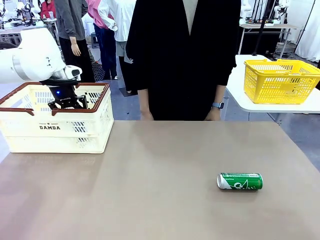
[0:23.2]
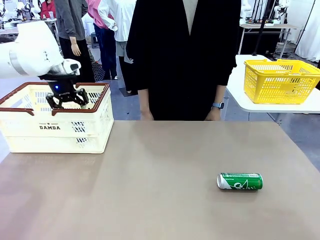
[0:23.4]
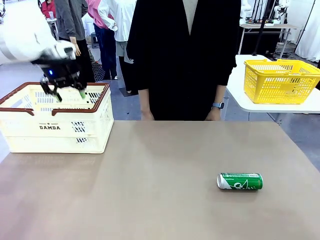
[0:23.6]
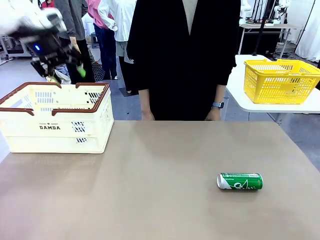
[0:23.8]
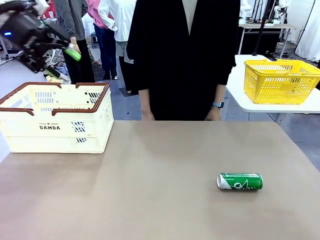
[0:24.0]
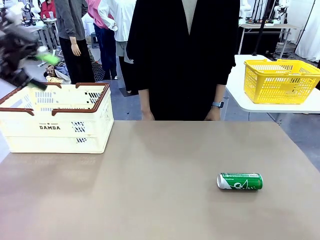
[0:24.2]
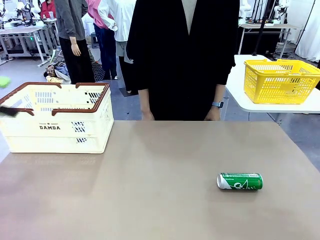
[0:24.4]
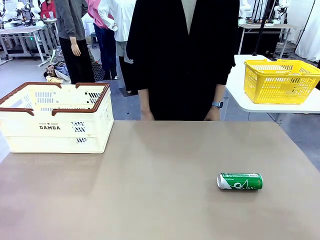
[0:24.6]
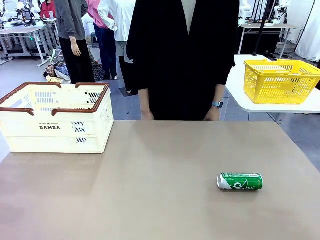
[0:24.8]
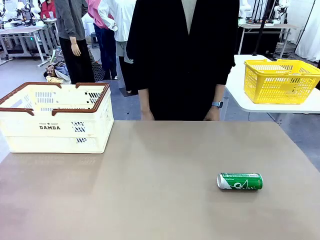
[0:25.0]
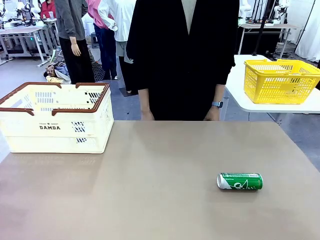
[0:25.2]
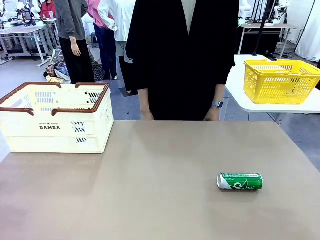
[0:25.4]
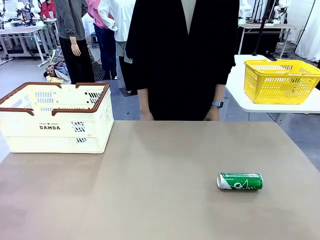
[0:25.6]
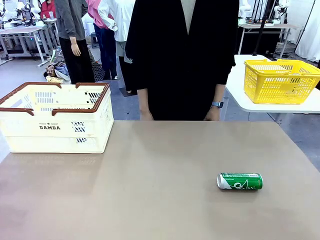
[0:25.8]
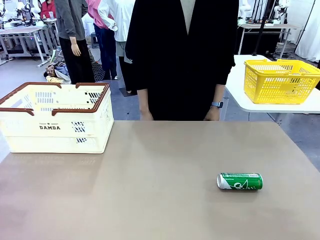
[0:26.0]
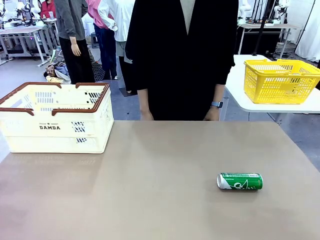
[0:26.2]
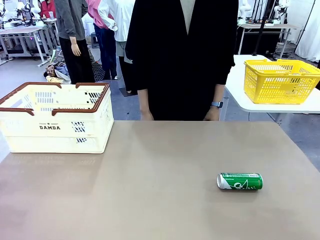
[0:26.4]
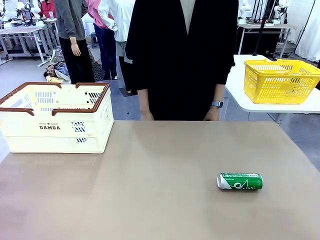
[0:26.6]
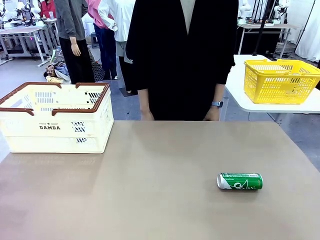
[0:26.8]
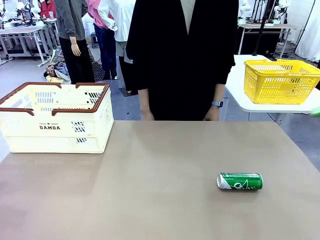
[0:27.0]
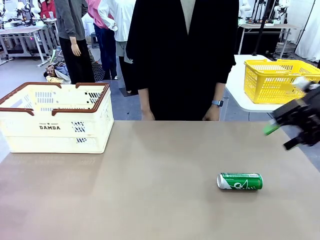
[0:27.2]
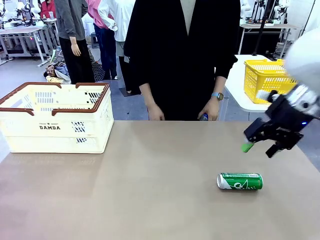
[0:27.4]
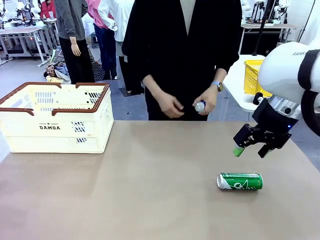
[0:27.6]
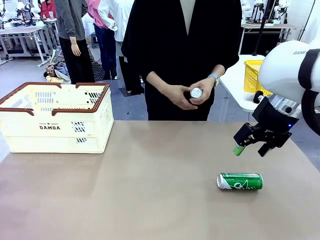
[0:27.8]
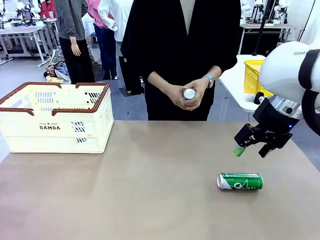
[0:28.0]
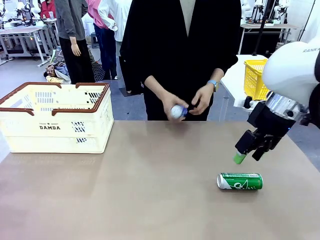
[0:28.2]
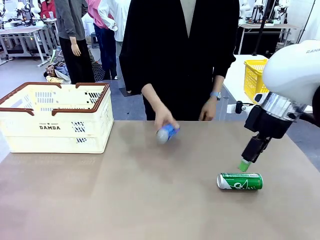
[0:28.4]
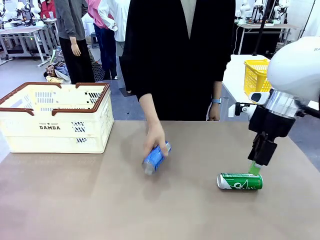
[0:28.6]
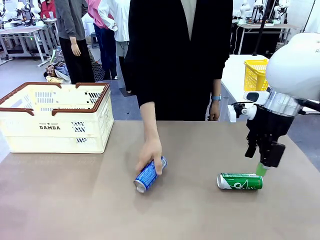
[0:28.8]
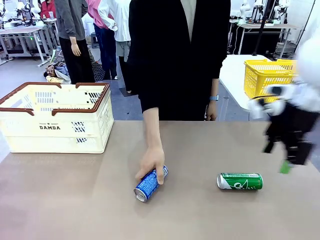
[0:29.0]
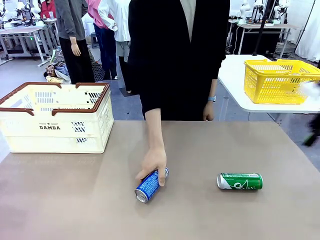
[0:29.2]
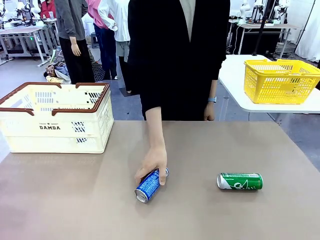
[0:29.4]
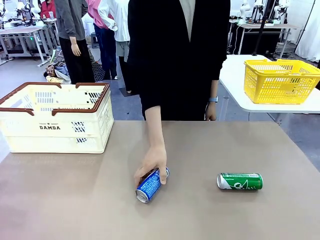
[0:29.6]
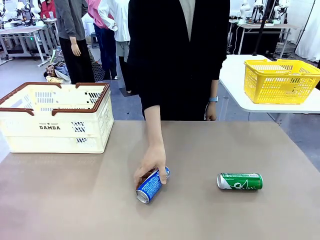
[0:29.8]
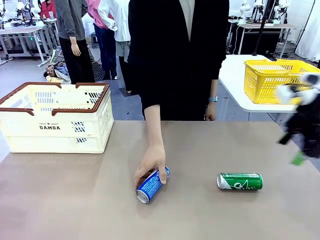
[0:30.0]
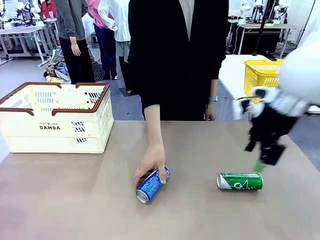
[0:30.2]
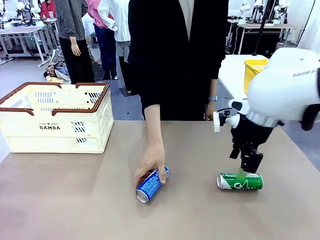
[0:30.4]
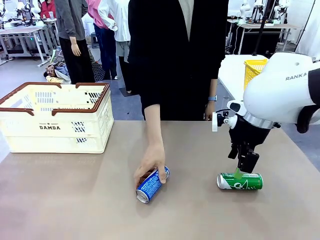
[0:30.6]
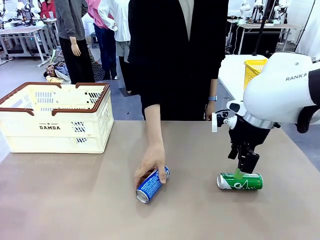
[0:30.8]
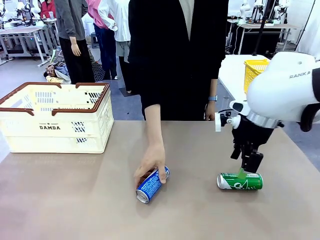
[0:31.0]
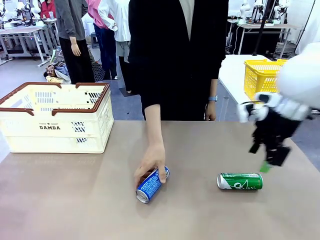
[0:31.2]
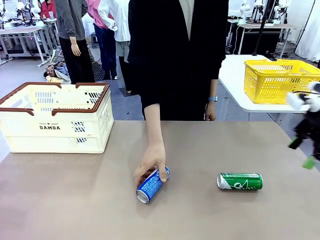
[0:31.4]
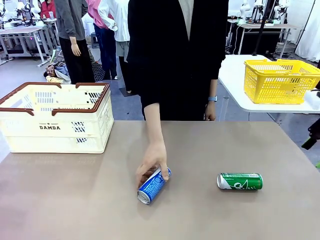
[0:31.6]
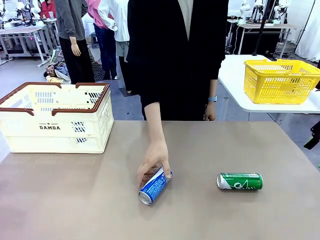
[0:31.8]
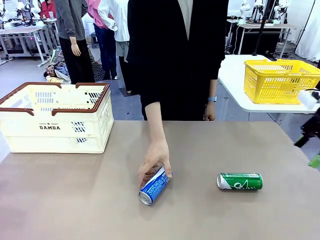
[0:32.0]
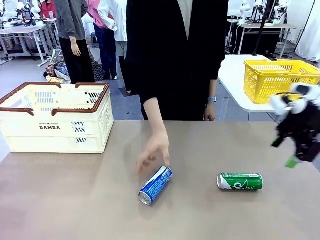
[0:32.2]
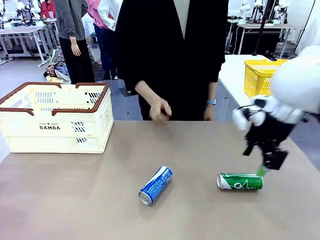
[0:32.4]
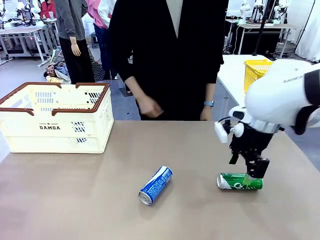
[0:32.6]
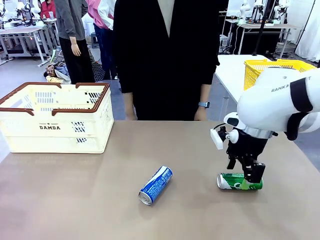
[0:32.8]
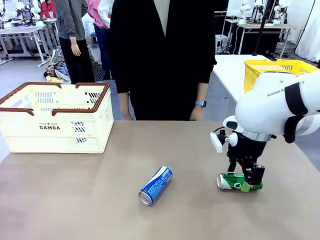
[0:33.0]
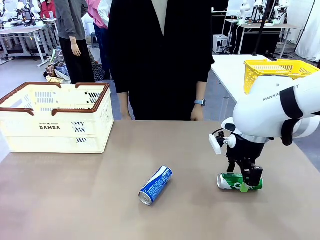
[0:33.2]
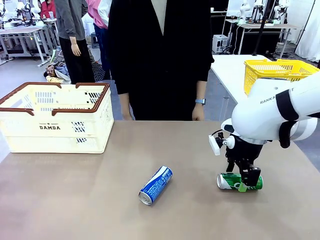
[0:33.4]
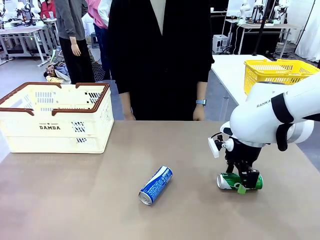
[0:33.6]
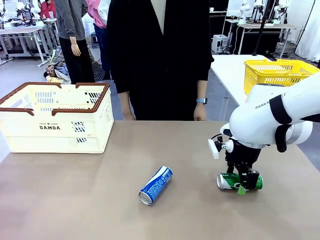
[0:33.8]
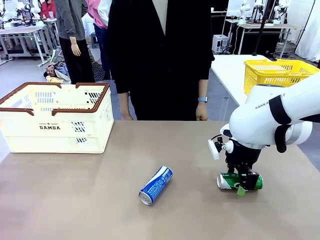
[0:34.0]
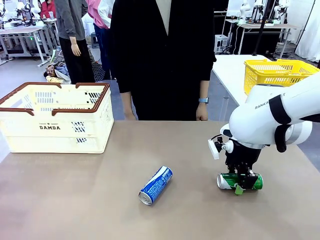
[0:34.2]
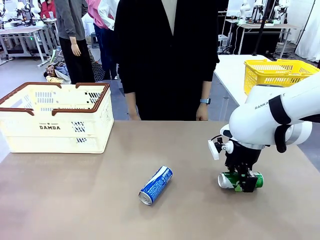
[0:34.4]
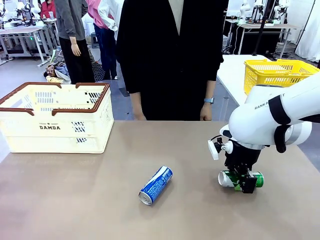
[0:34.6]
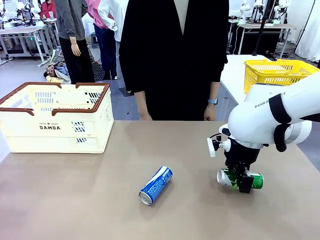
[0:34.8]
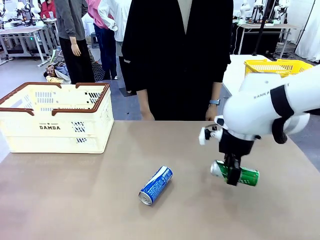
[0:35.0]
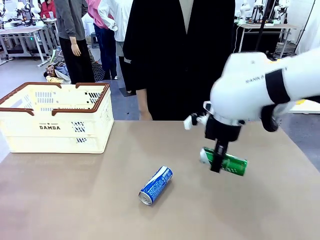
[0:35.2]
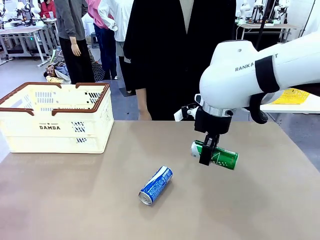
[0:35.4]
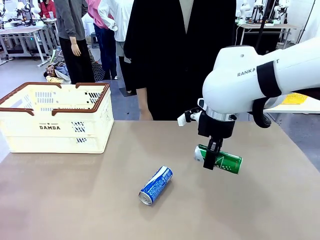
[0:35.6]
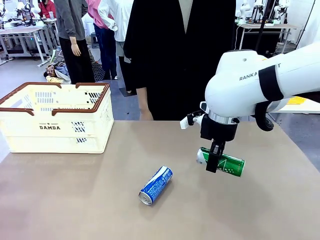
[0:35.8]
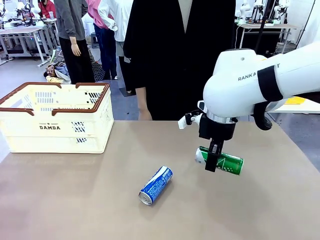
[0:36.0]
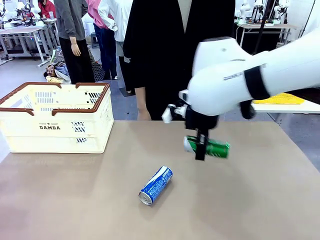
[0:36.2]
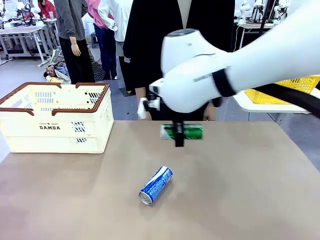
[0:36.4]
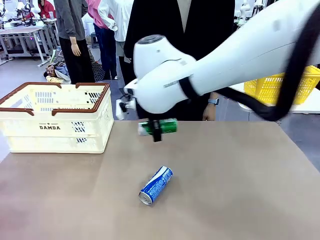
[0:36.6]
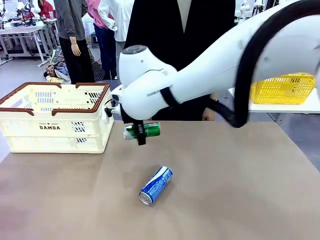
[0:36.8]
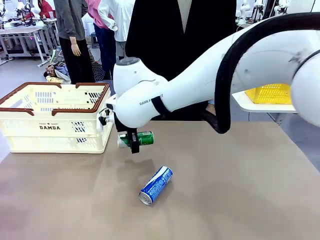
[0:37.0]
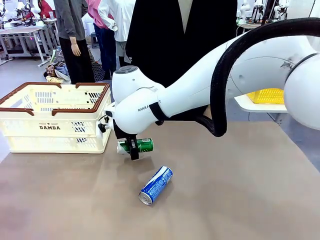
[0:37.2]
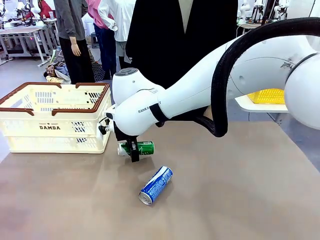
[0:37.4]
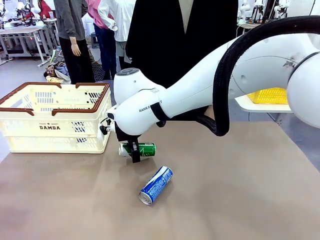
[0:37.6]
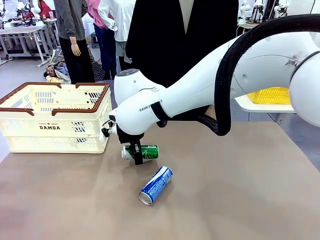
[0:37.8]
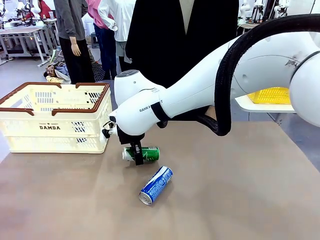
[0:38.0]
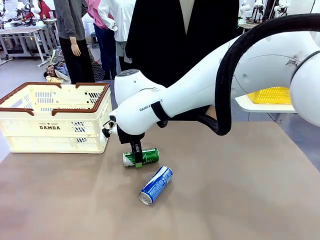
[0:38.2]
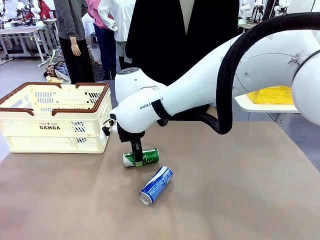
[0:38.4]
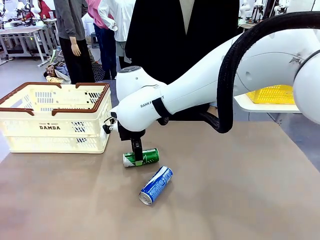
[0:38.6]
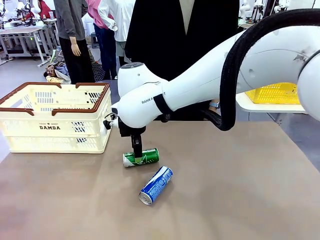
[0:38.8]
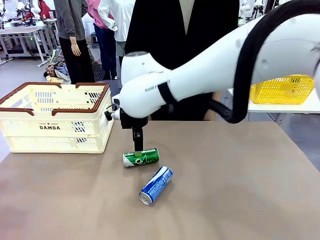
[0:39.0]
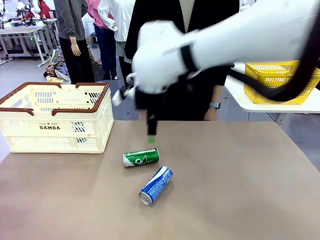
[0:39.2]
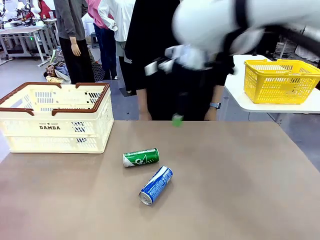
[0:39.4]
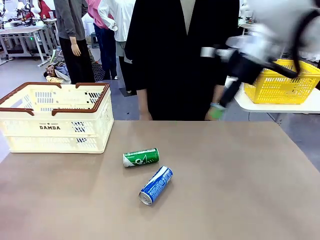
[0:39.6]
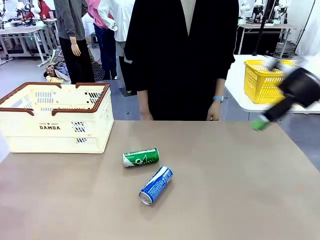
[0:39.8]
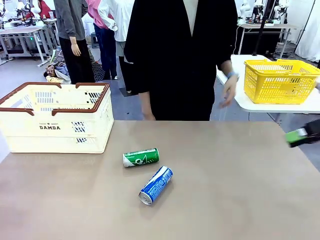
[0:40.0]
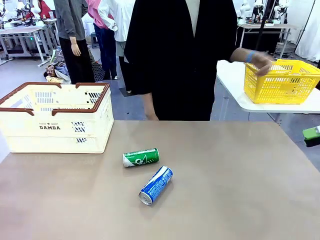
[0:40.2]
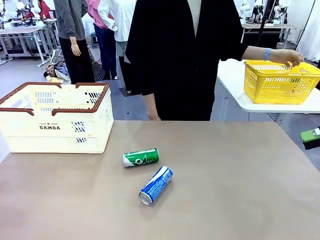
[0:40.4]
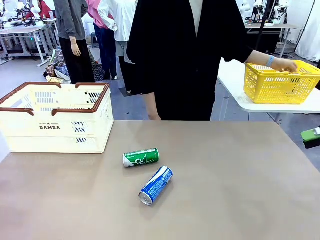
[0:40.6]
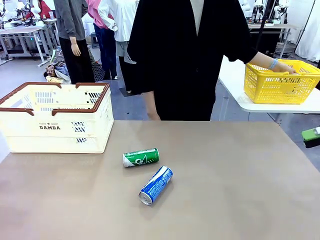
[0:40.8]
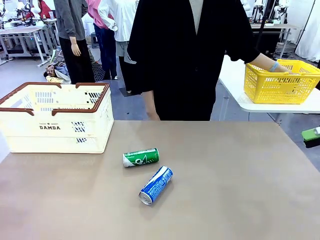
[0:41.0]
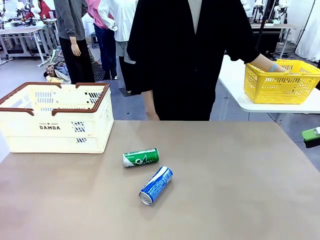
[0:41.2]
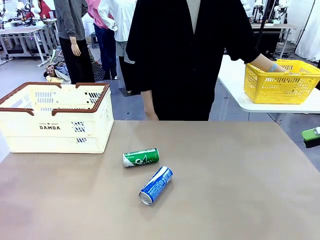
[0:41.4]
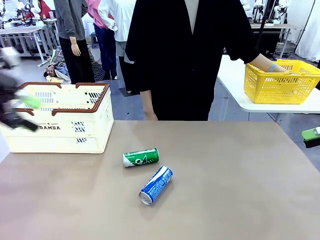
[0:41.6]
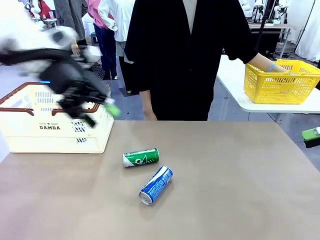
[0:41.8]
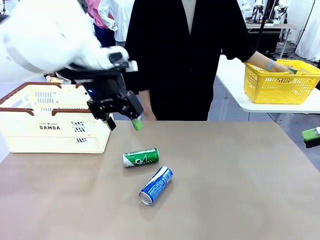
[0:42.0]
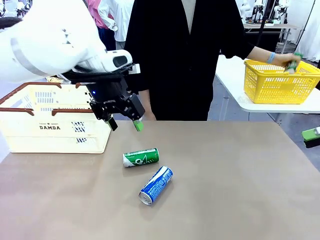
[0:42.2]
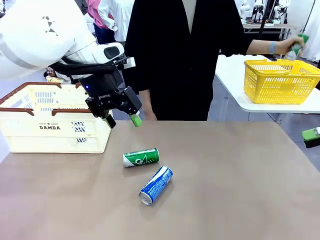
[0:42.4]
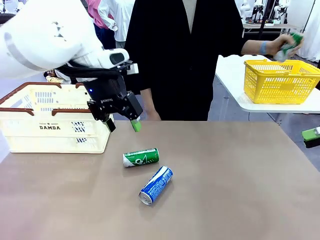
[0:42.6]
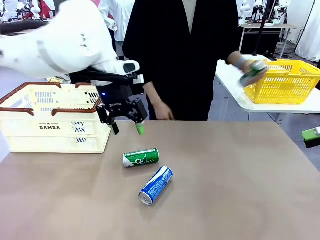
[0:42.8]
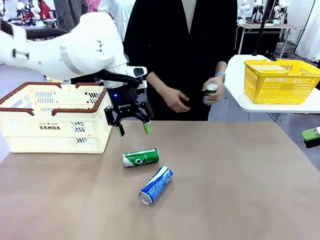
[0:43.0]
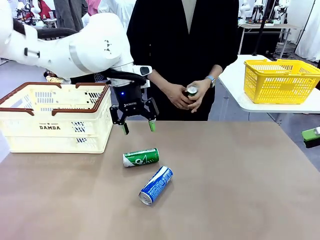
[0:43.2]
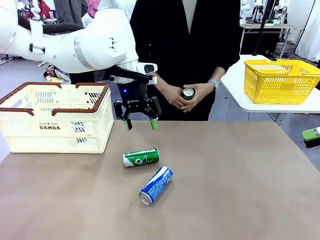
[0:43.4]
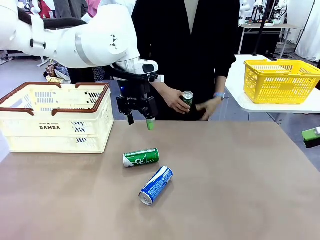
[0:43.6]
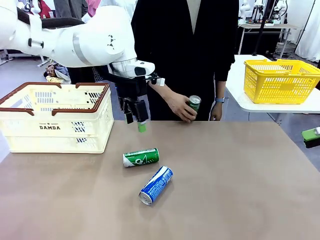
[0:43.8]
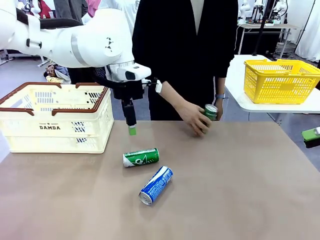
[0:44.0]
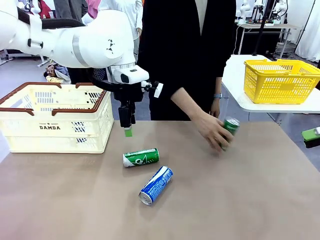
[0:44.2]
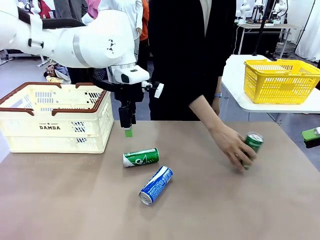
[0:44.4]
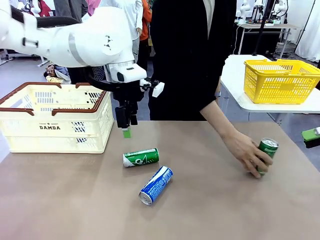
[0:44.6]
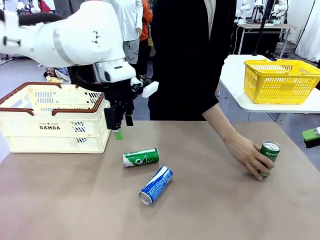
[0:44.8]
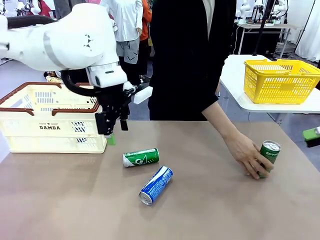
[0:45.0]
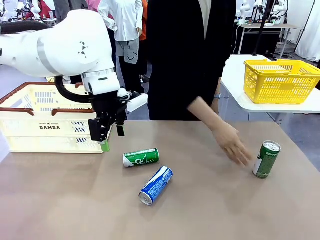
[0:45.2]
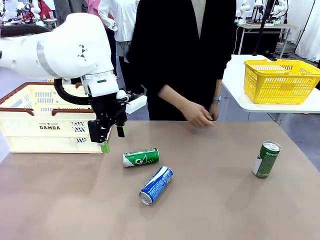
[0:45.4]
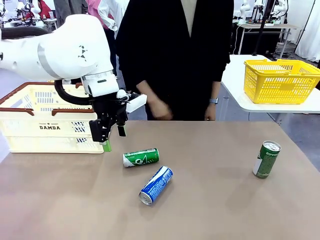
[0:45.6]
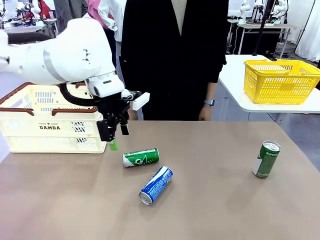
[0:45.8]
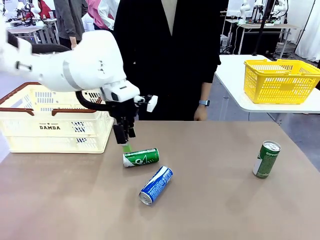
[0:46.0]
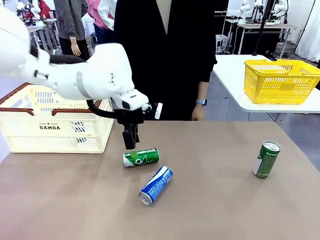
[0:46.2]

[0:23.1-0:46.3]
Task: Place the drinks into the Shopping basket.
Robot: Pick up one drink and place it into the Shopping basket.
